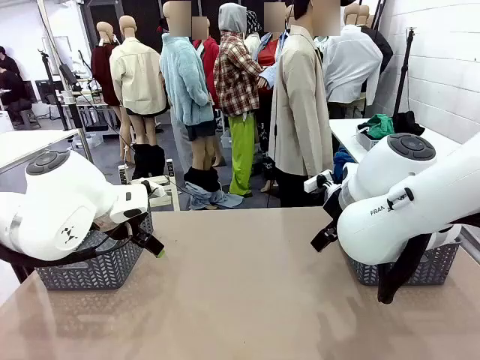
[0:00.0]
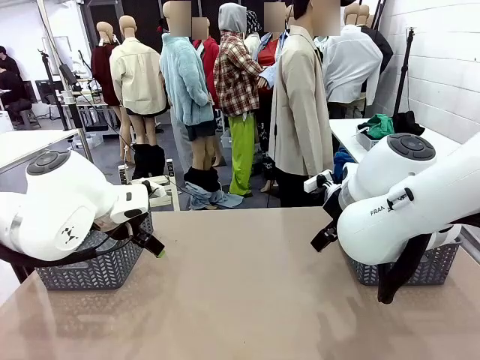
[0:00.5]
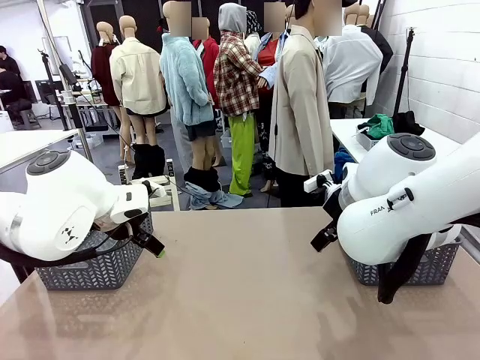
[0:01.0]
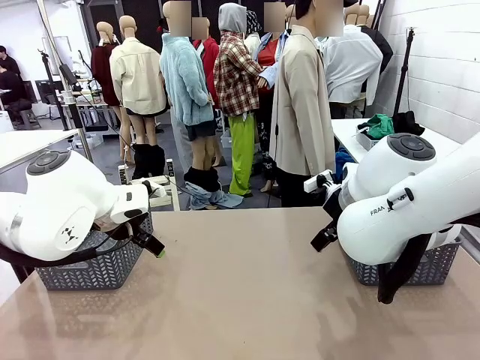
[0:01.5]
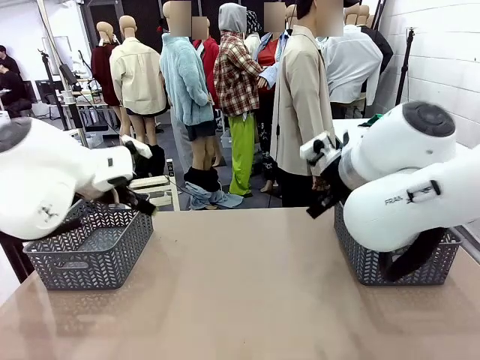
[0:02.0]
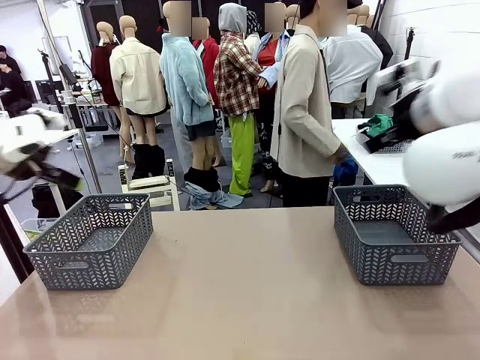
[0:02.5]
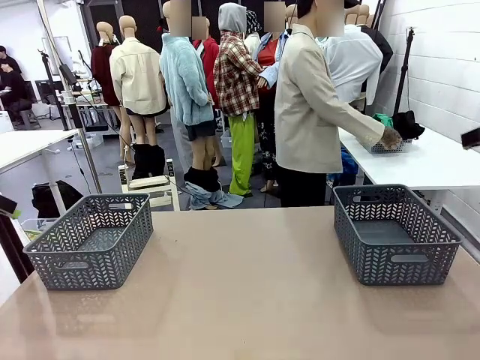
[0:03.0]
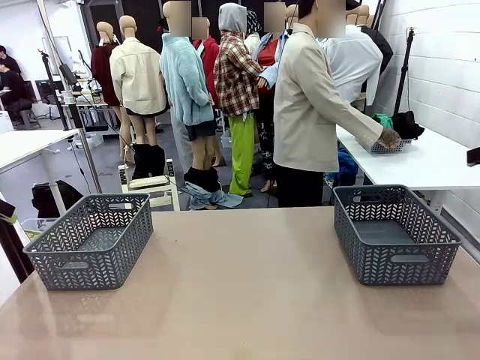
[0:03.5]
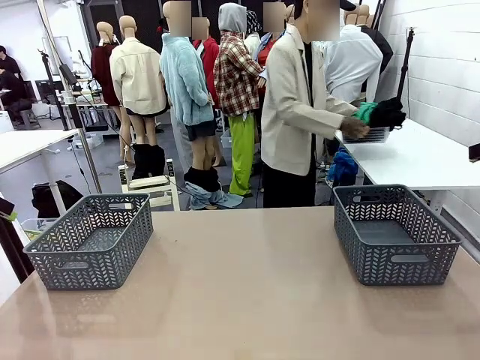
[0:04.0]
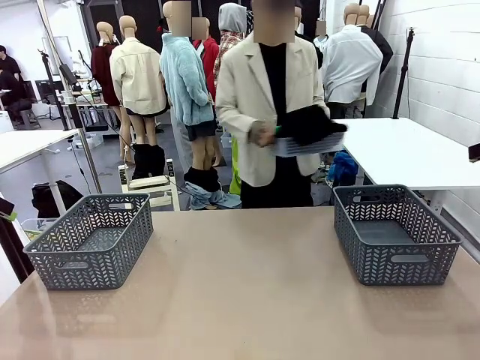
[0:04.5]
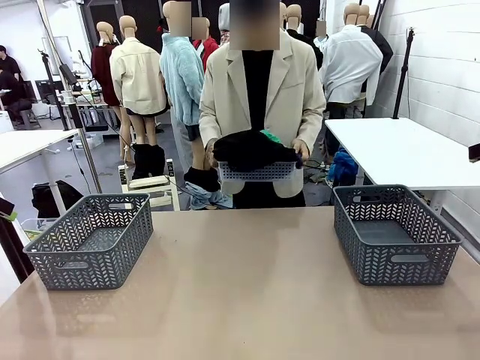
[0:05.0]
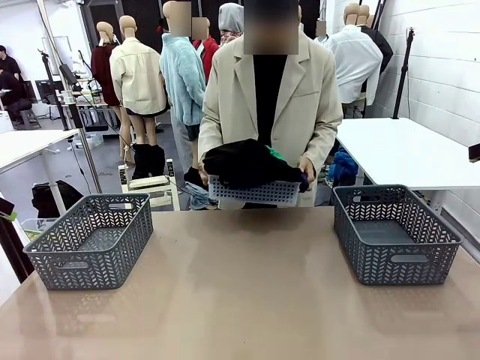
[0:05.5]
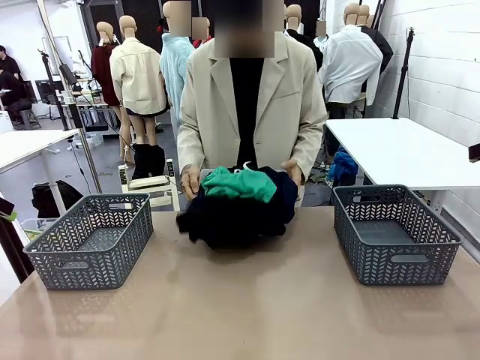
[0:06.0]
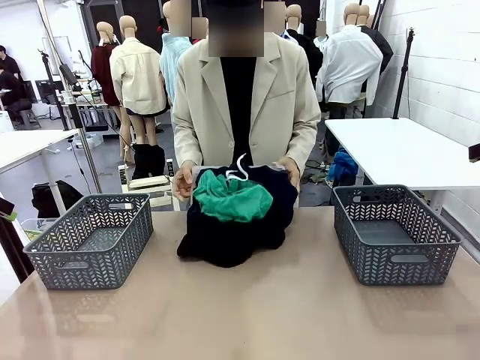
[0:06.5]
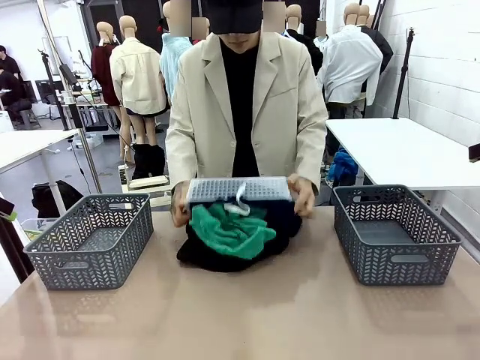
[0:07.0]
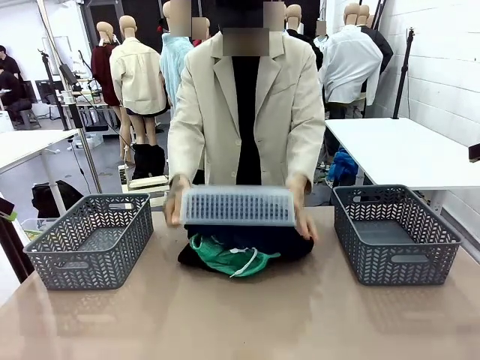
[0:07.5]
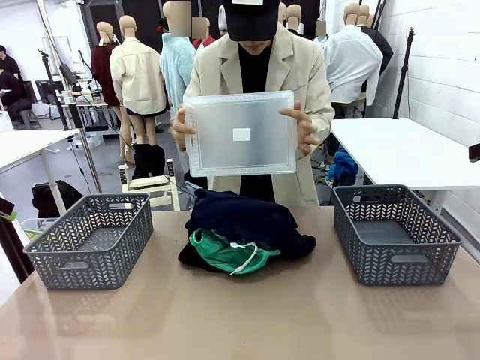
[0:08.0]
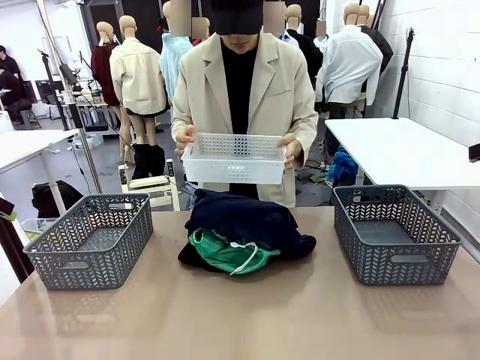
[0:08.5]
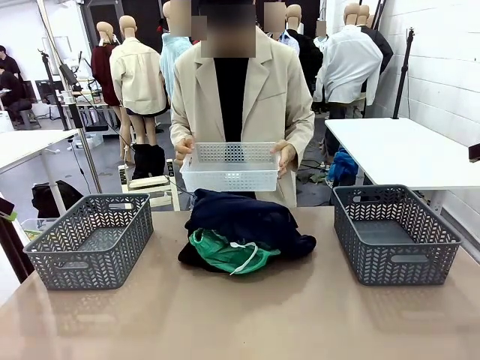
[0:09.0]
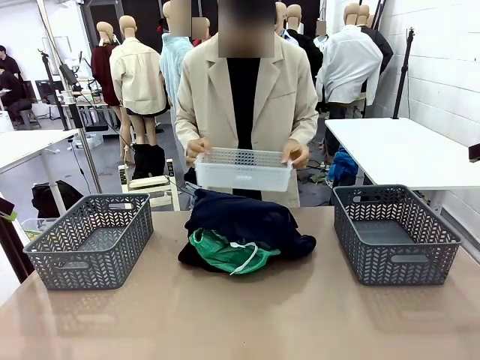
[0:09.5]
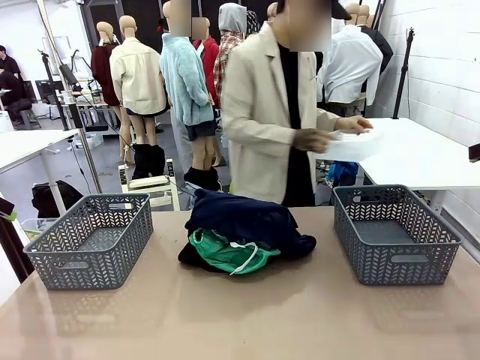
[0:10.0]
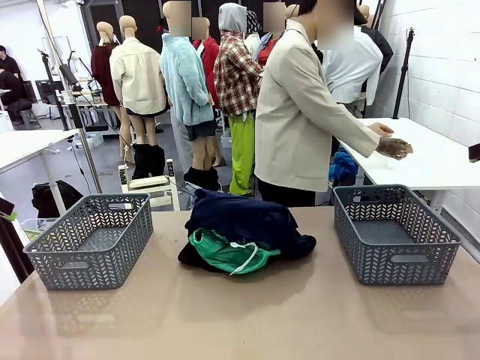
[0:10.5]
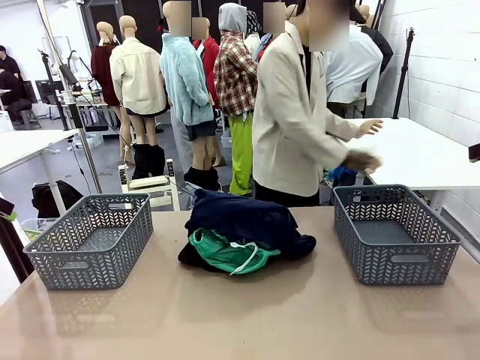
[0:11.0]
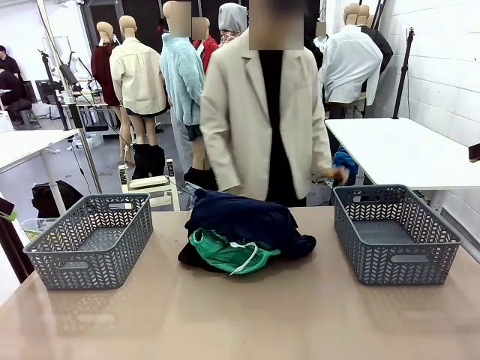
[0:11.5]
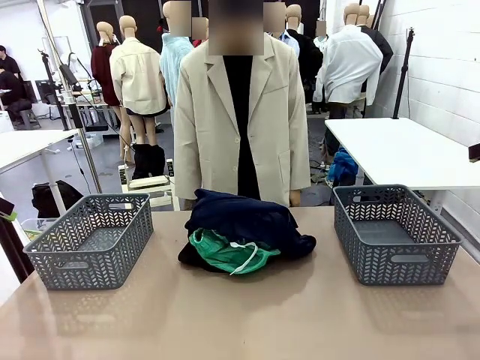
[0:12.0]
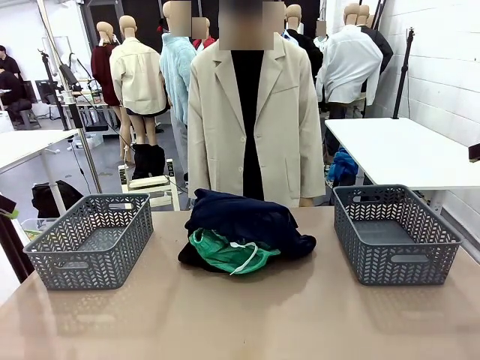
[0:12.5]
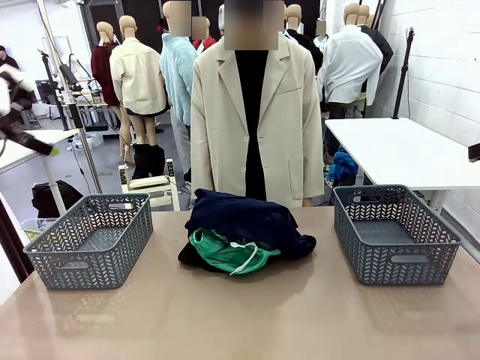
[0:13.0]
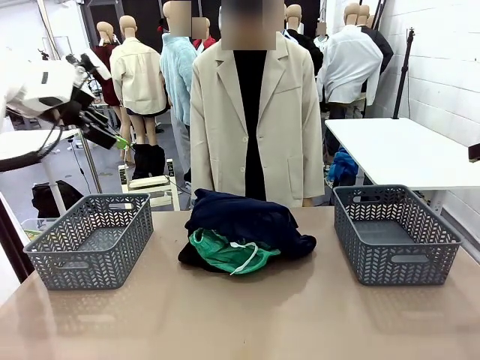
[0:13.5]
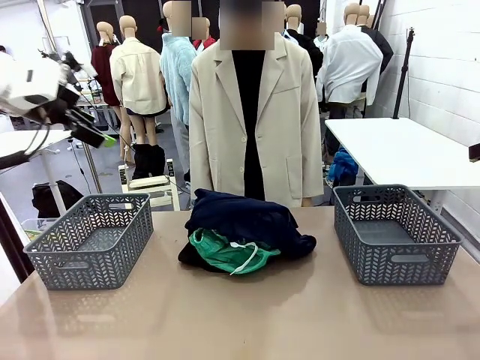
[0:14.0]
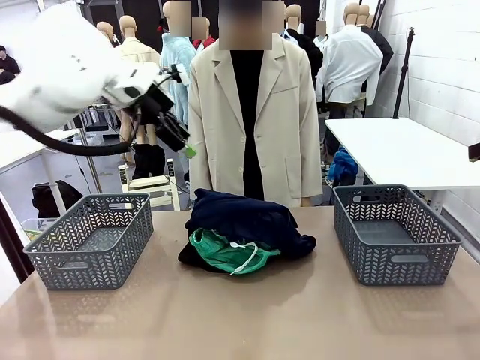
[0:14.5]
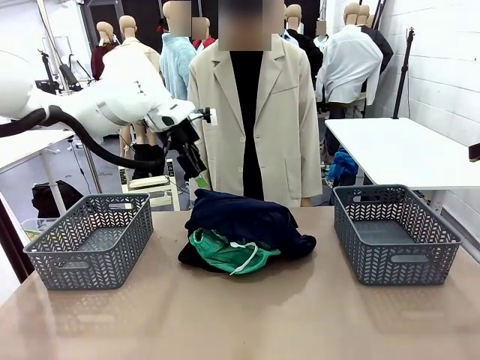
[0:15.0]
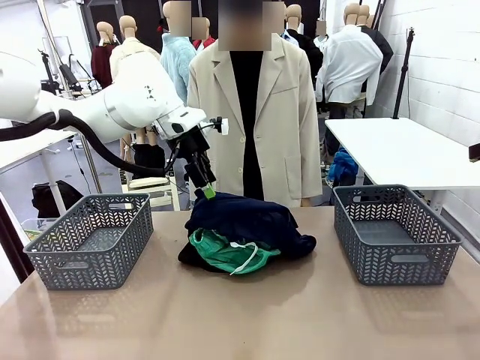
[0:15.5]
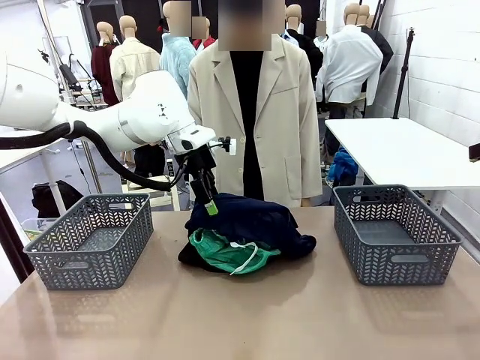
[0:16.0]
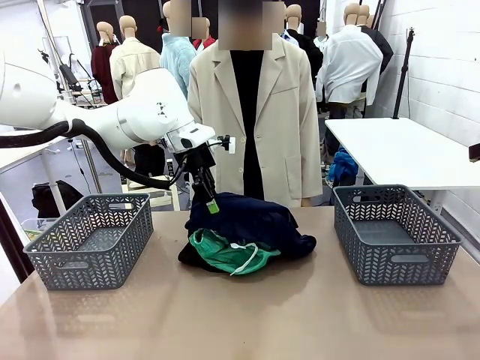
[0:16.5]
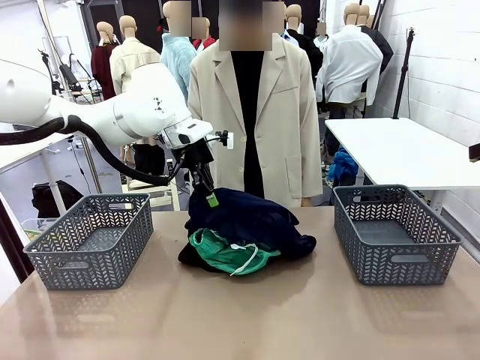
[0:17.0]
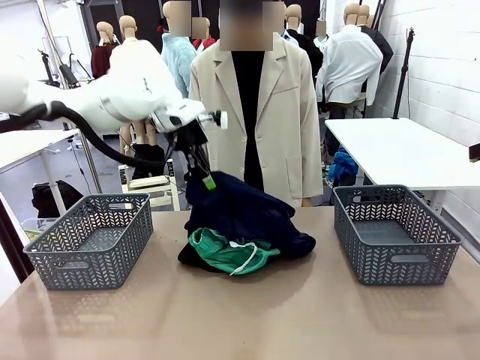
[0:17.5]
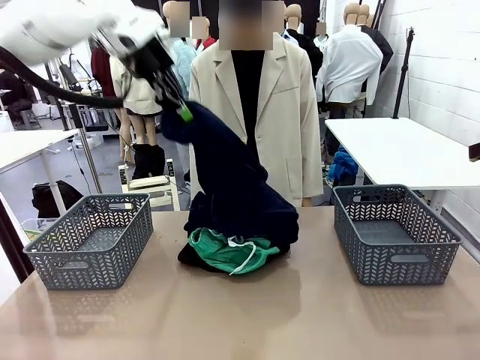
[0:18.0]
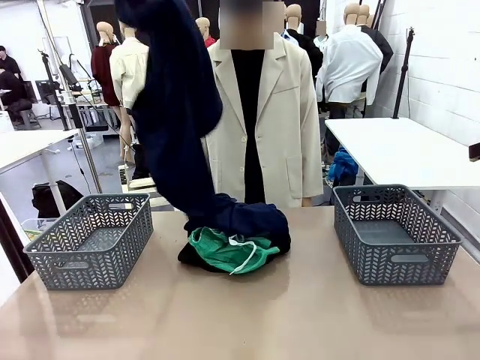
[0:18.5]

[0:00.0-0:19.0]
Task: Sort the tops and bottoms.
Robot: Lift clothes from the center of the table with your left hand.
Person: Pour the clothes from the basket onto the center of the robot table.

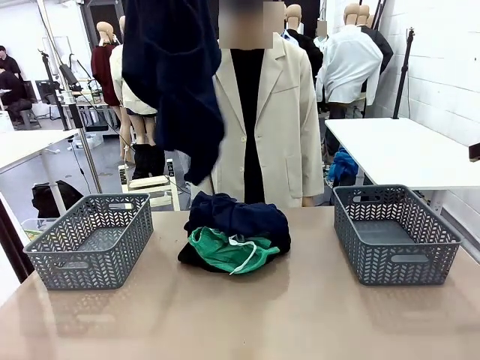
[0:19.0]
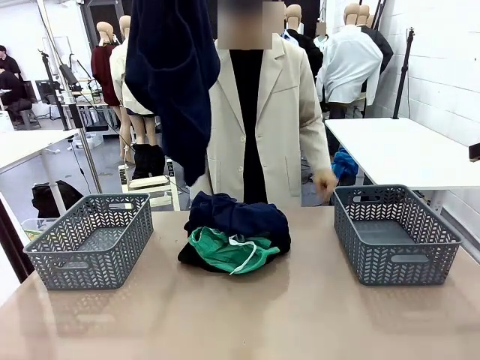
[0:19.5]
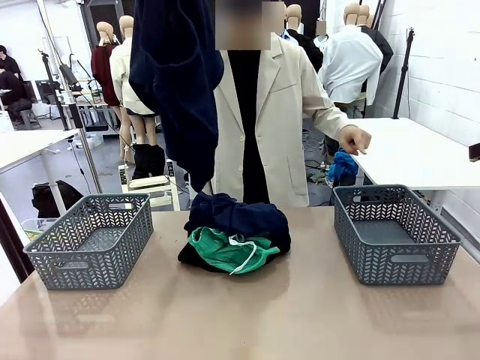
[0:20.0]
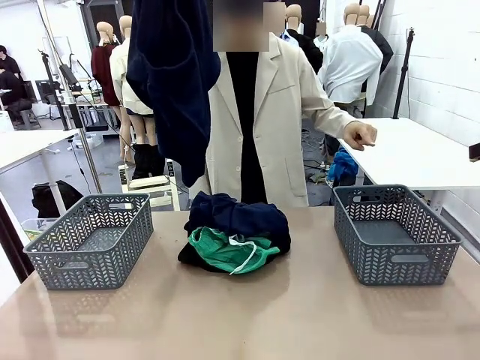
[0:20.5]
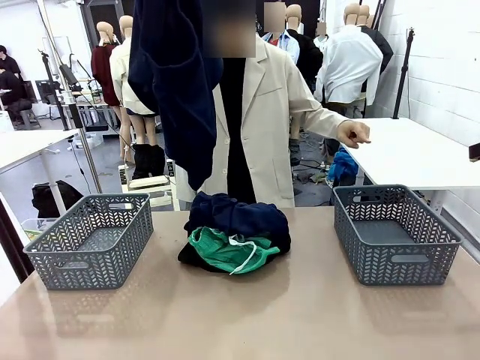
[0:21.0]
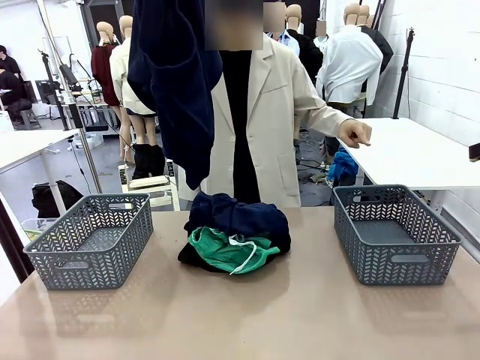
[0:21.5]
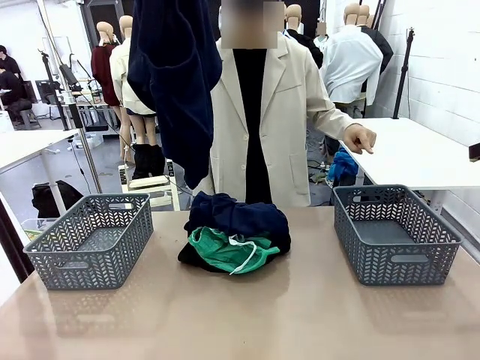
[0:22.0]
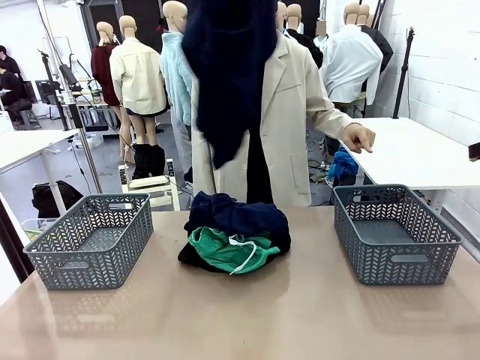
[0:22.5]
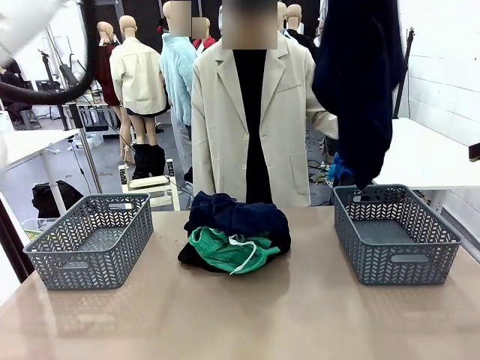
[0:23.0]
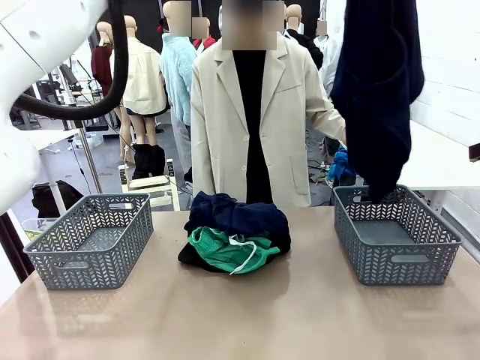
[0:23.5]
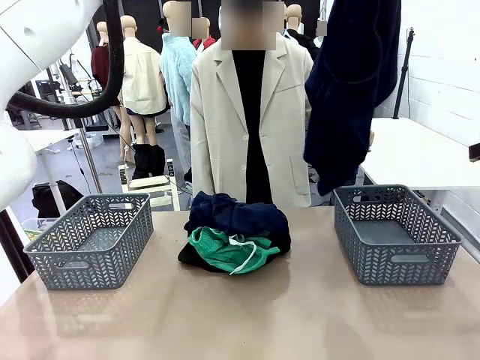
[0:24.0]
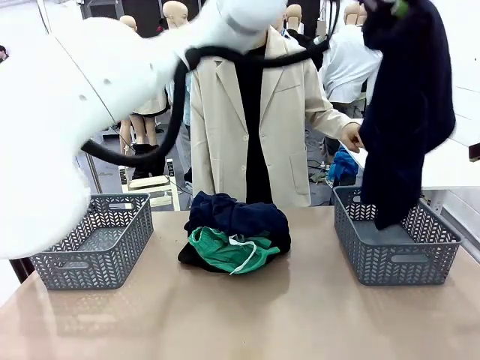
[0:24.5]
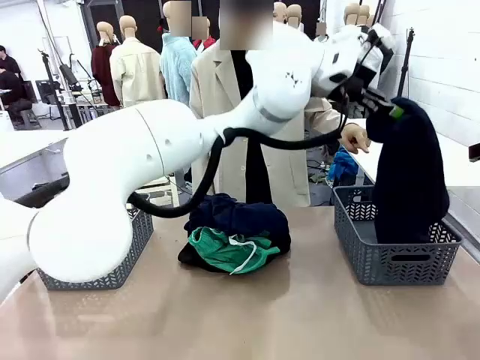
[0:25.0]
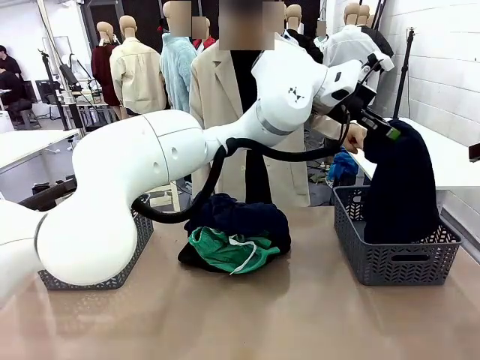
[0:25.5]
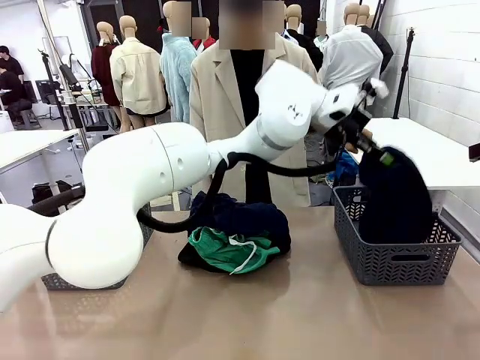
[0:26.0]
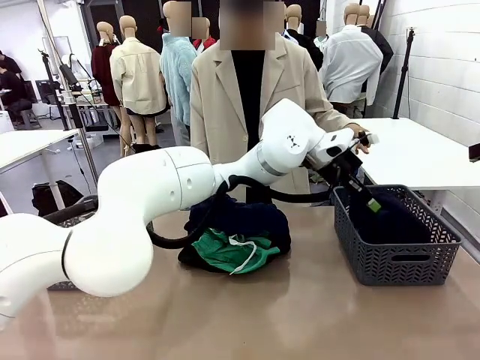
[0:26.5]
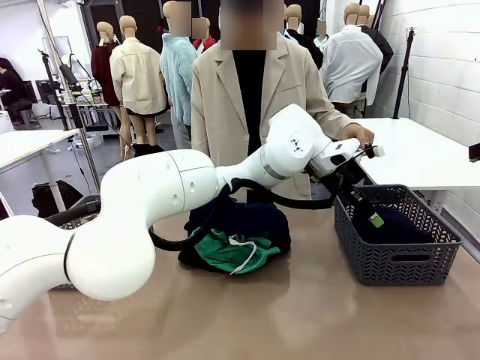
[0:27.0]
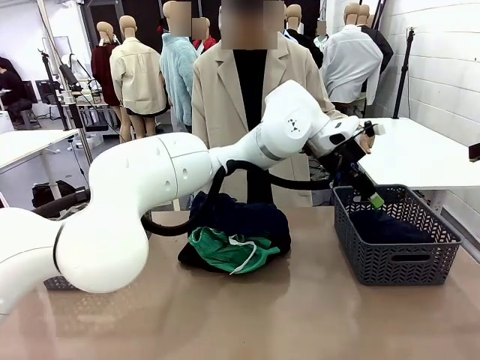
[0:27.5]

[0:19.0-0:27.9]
Robot: Sort the clothes according to human instructions.
